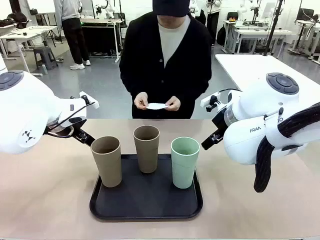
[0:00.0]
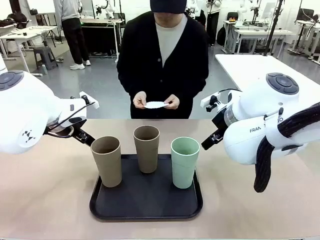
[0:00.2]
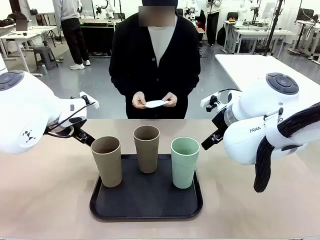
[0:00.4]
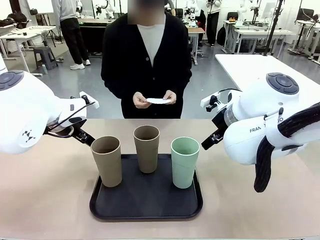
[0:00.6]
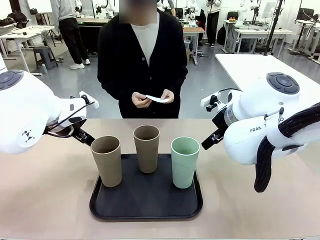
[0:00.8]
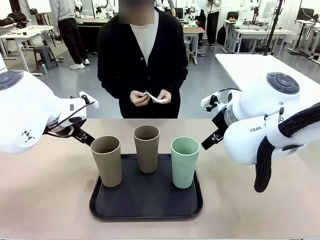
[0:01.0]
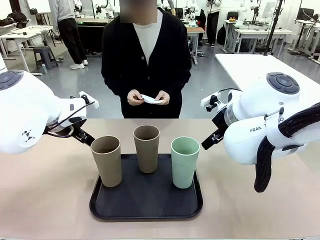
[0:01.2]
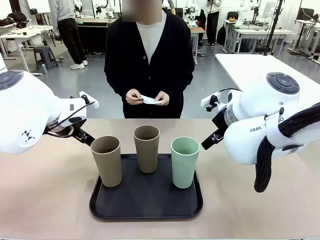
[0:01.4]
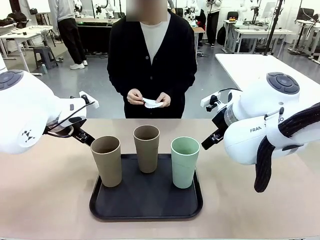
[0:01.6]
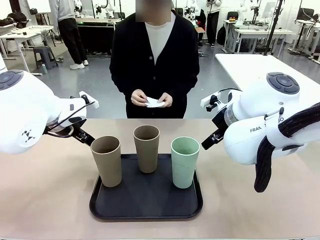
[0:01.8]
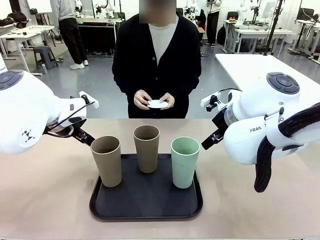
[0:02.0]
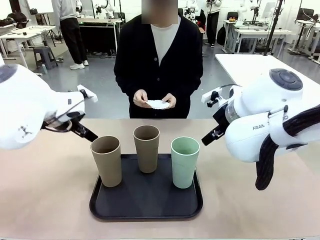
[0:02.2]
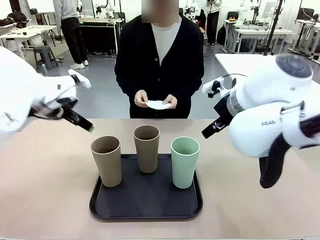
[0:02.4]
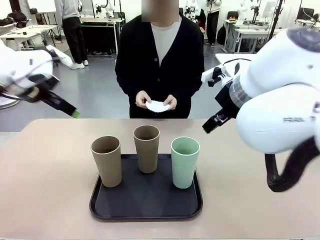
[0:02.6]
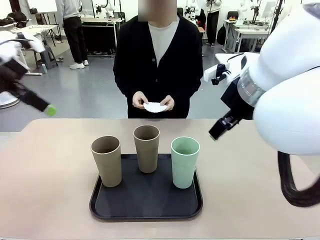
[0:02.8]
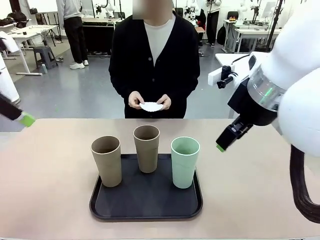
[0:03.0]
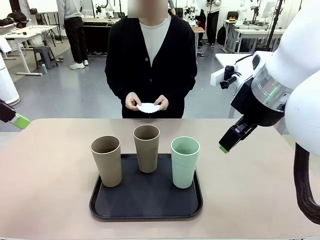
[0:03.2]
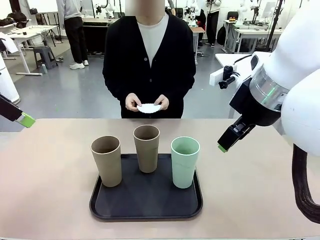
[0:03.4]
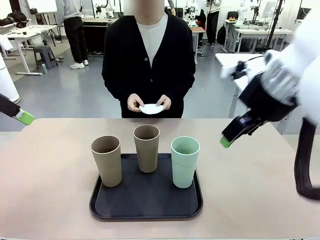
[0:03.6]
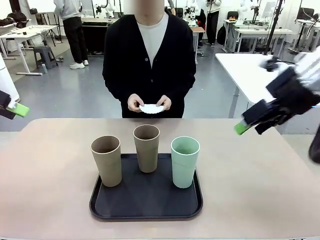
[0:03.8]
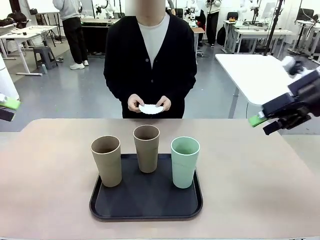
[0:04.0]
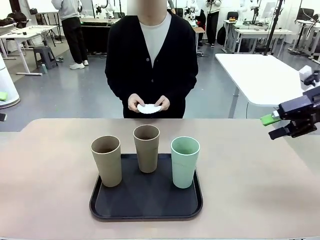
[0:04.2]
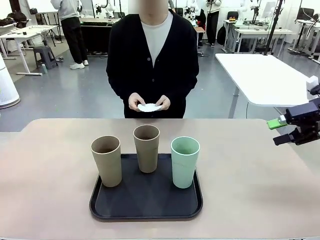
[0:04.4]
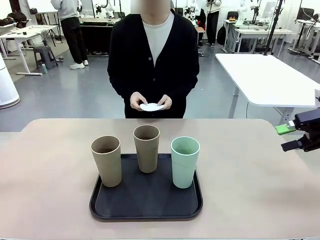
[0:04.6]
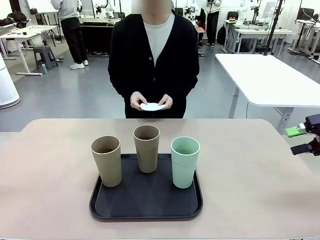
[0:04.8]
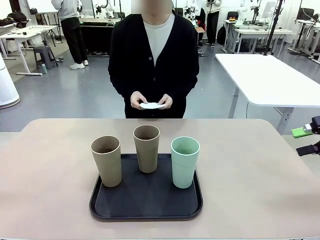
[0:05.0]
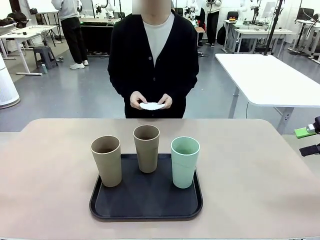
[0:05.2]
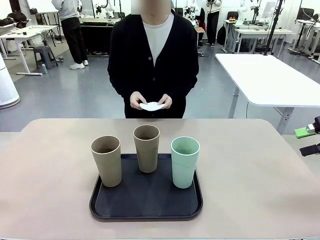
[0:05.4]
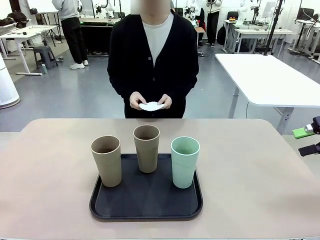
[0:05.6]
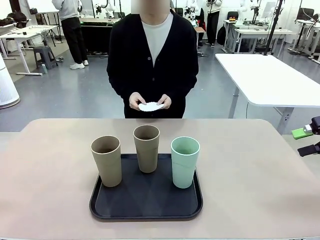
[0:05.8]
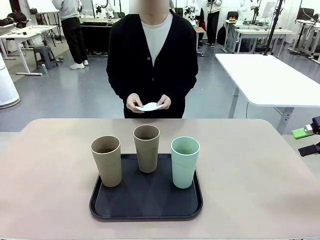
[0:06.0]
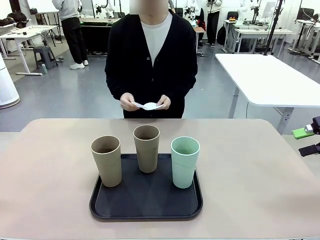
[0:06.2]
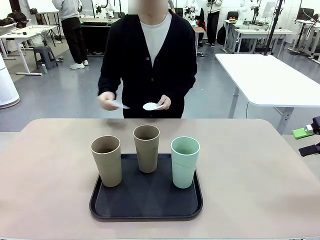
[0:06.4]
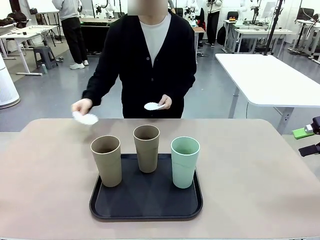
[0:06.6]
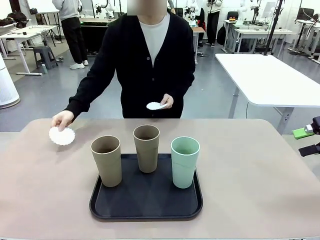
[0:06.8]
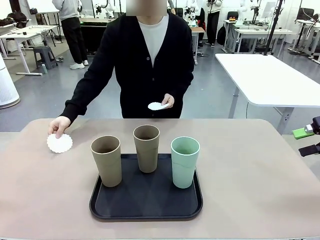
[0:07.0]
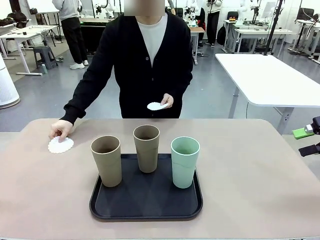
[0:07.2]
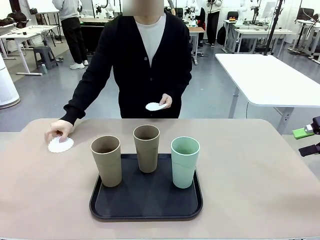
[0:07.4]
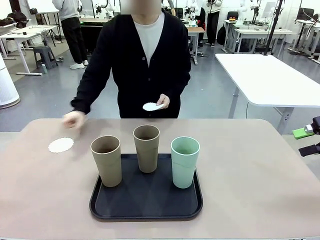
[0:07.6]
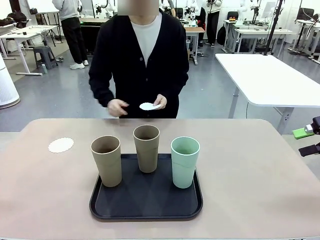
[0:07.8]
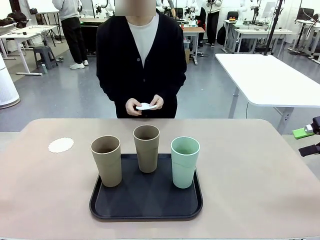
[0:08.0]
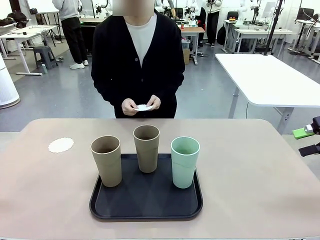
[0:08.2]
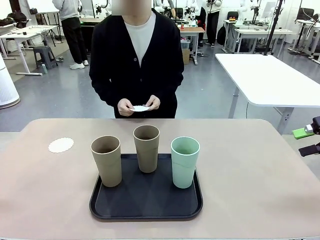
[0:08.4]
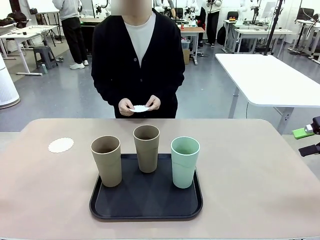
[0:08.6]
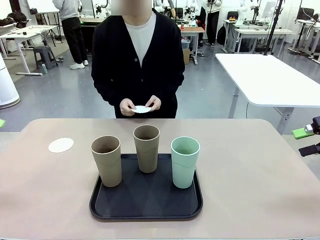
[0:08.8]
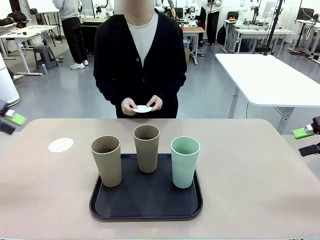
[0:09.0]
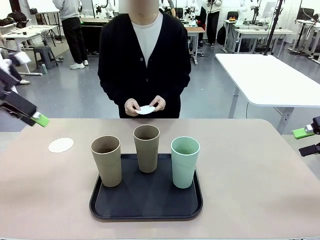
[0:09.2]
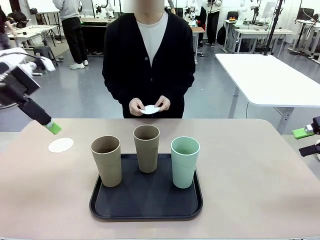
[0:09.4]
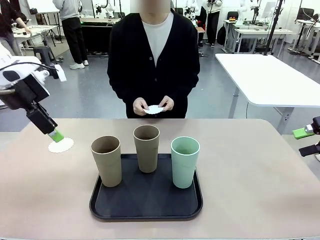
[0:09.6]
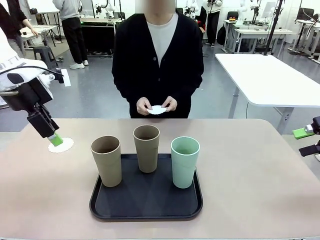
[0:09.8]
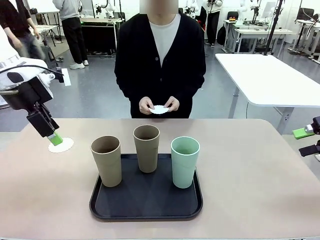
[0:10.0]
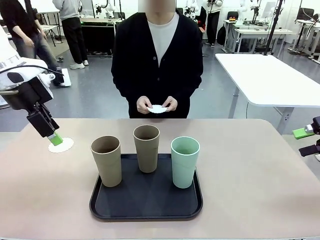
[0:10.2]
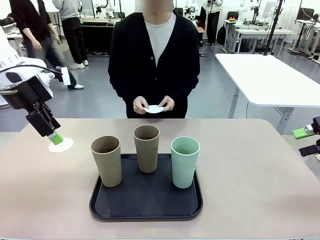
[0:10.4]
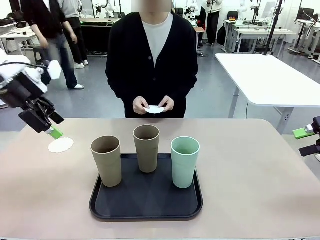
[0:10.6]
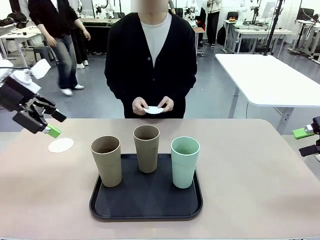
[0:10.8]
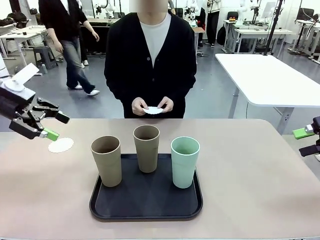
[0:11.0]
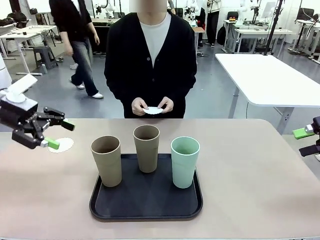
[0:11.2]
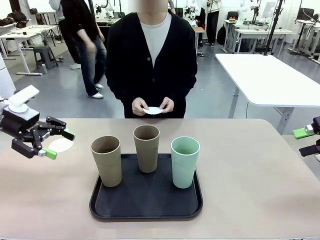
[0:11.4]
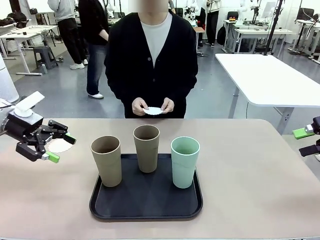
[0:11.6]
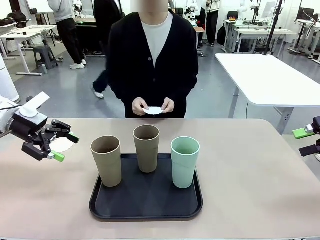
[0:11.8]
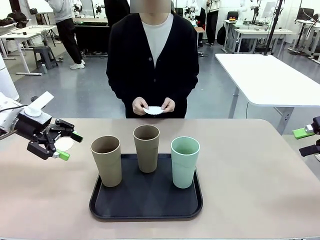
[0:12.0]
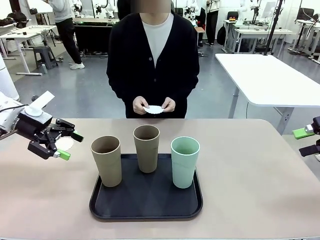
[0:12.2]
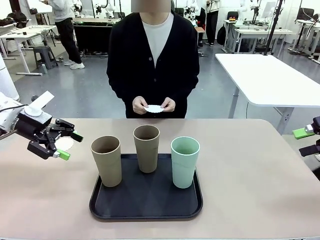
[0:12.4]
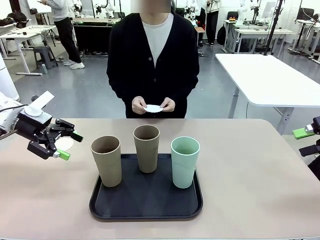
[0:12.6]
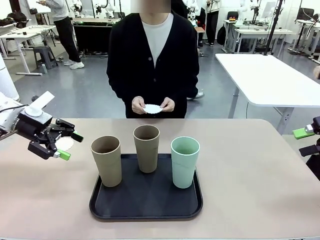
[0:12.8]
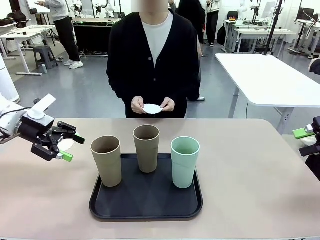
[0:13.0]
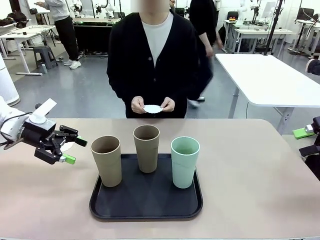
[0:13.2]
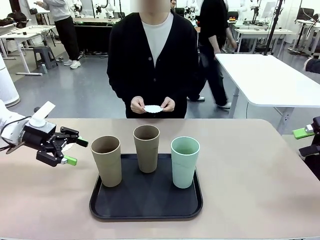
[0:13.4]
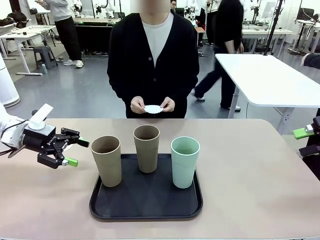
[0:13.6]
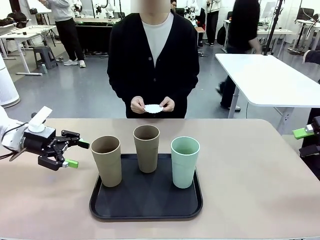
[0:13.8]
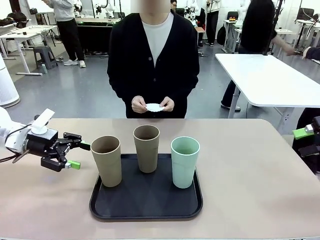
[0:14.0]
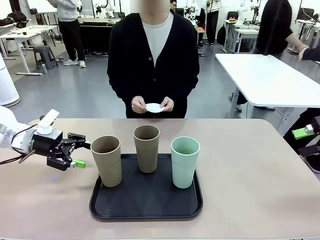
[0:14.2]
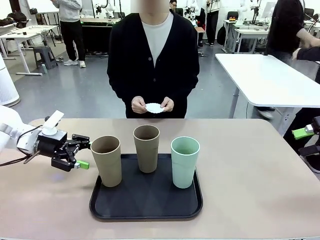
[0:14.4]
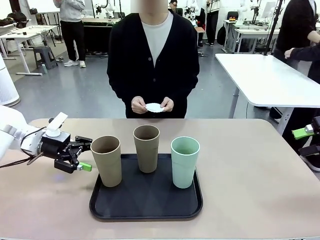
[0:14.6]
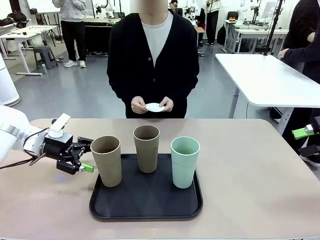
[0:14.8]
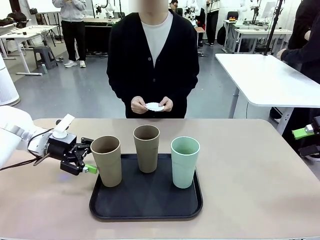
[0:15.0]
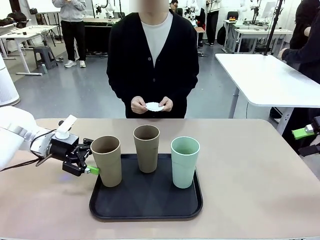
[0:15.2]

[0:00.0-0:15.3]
Task: Place coasters on the table and set cups on them.
Robot: Pick up one Reusable plastic cup and place it on a coaster set by the human.
Person: Place one coaster in any one of the three lower areas of the robot table (left, center, or right).
